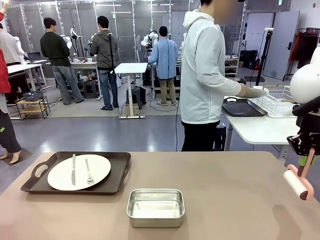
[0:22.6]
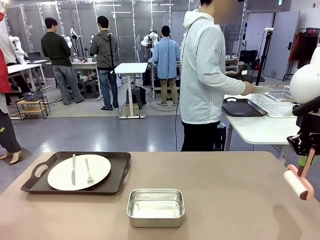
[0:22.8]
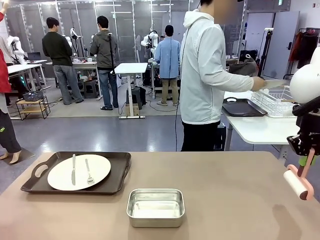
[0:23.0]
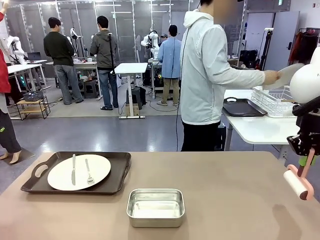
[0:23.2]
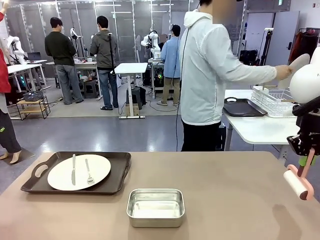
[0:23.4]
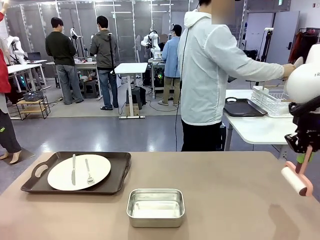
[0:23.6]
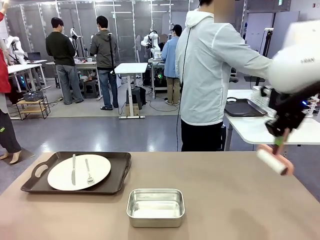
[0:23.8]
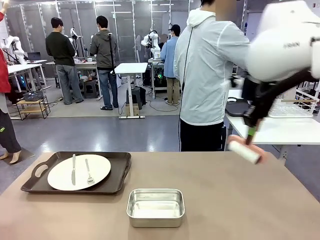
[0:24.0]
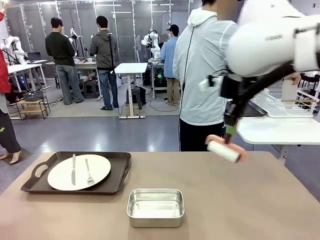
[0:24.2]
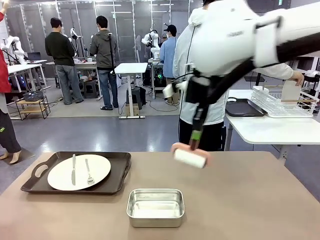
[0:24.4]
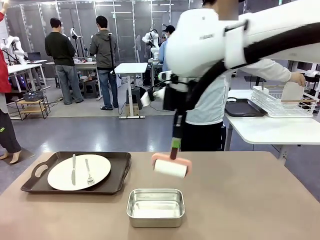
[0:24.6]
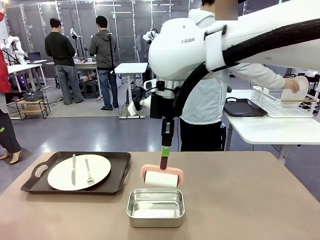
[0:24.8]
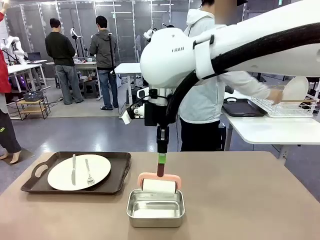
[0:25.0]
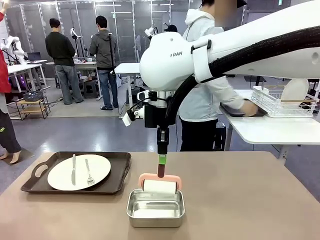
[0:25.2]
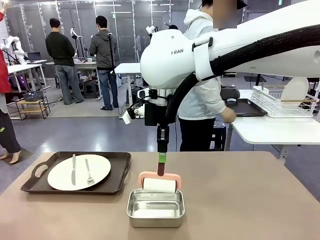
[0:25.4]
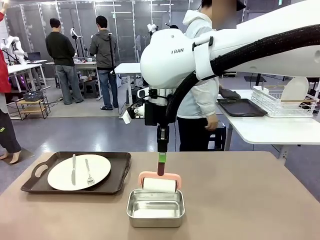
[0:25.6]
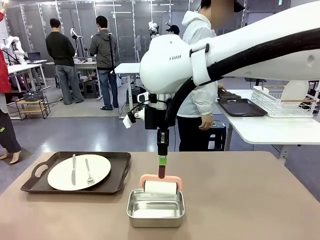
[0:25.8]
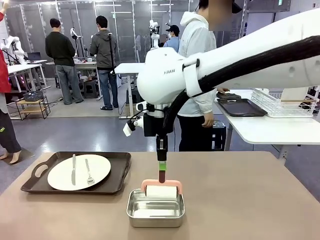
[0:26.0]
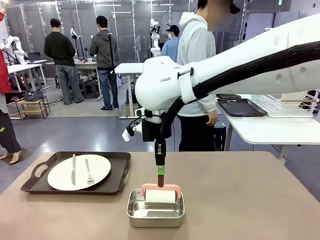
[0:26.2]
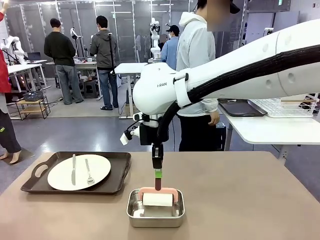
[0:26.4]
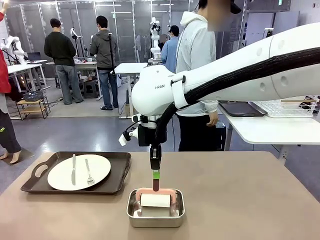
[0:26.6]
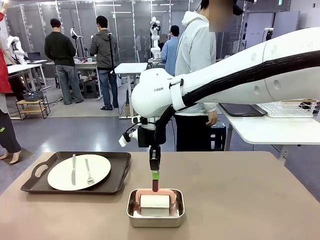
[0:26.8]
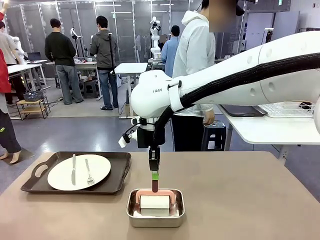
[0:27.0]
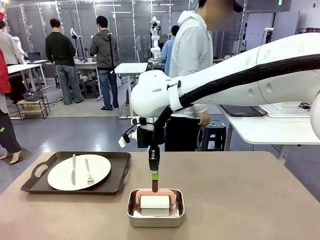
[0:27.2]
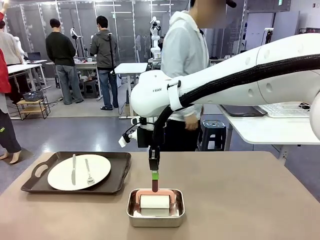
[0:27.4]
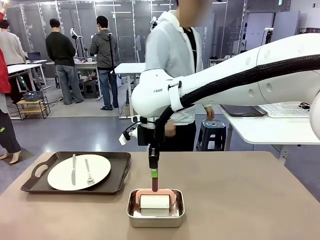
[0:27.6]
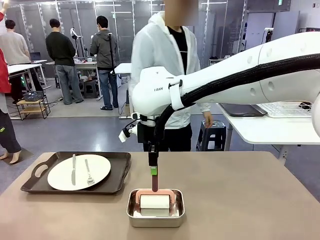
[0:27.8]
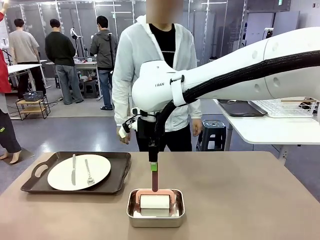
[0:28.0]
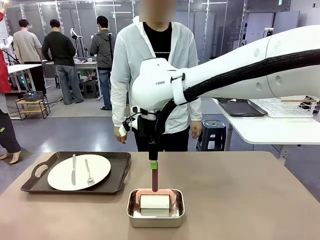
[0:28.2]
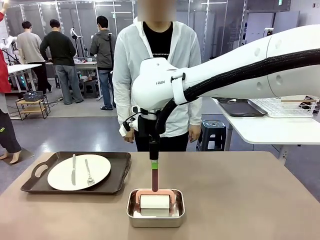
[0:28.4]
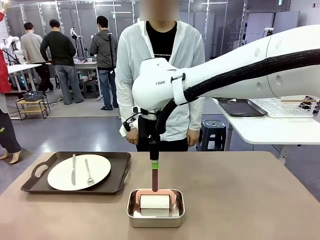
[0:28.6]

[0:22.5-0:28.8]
Robot: Place the Lint Roller back on top of the Airtight Container.

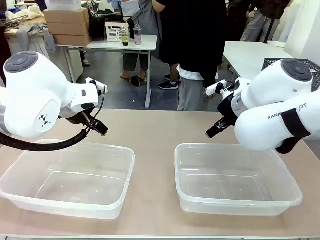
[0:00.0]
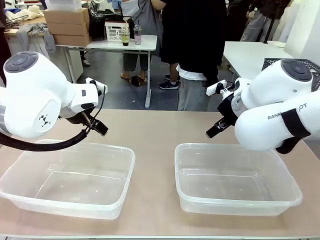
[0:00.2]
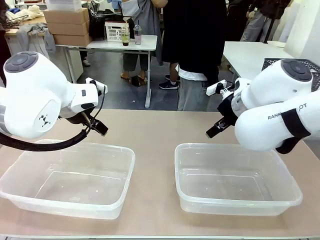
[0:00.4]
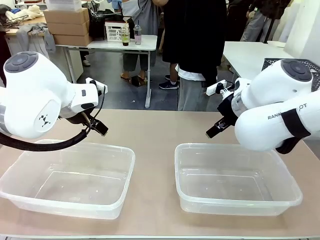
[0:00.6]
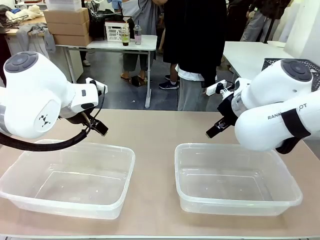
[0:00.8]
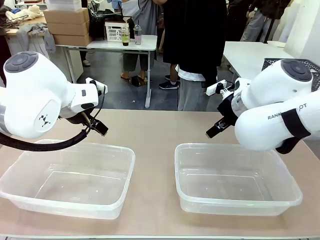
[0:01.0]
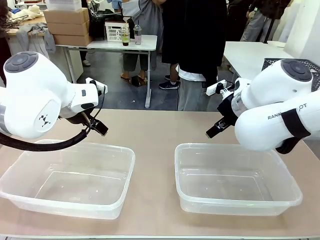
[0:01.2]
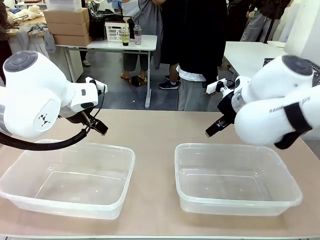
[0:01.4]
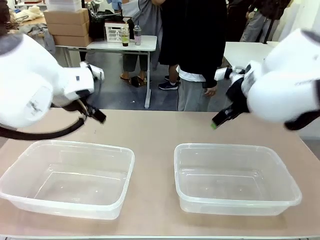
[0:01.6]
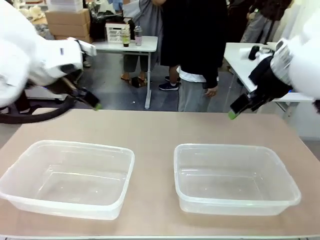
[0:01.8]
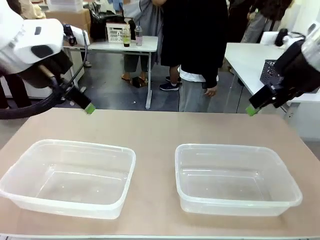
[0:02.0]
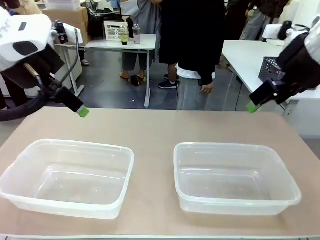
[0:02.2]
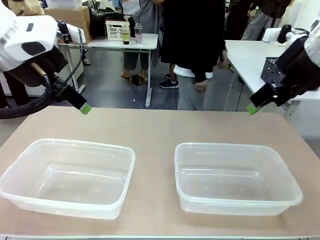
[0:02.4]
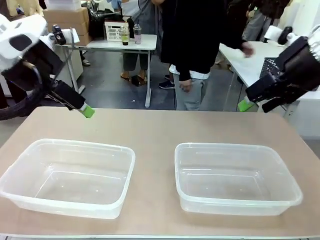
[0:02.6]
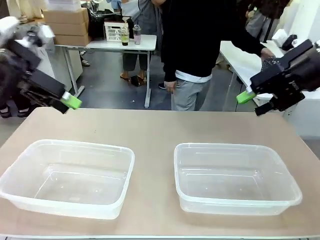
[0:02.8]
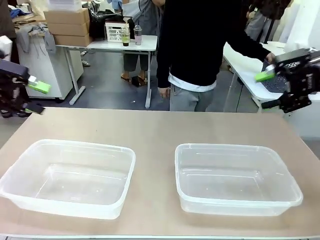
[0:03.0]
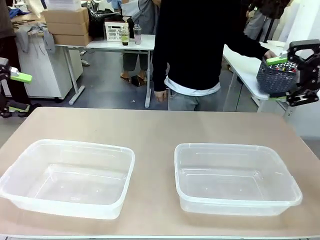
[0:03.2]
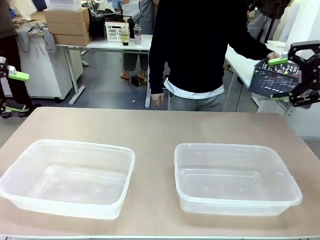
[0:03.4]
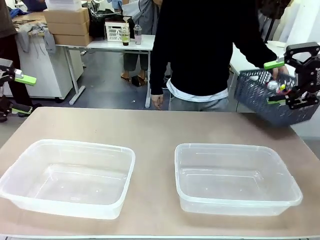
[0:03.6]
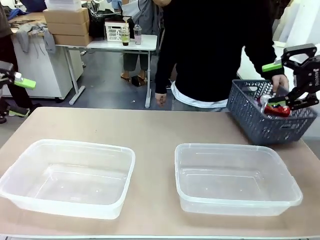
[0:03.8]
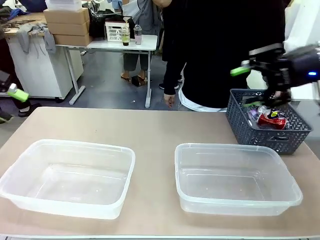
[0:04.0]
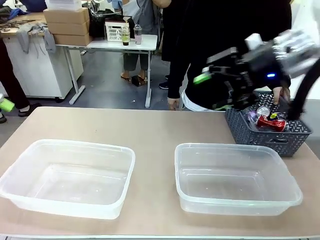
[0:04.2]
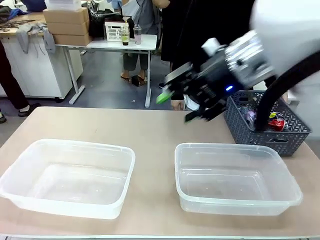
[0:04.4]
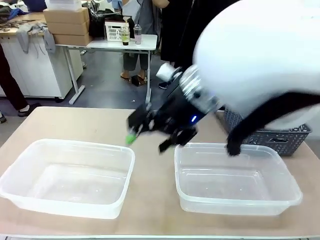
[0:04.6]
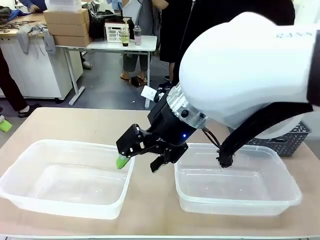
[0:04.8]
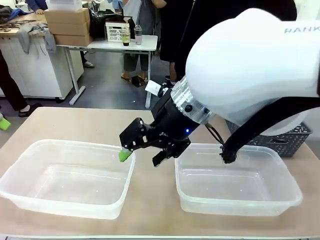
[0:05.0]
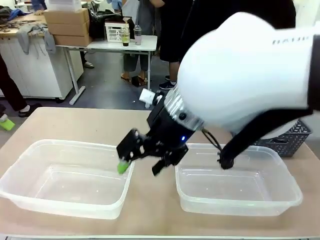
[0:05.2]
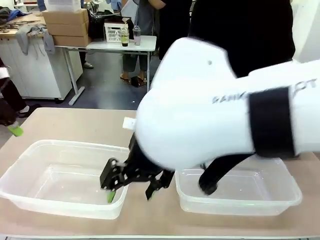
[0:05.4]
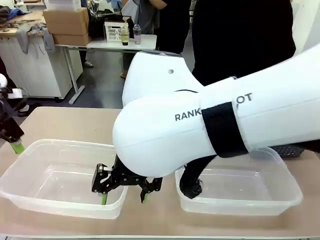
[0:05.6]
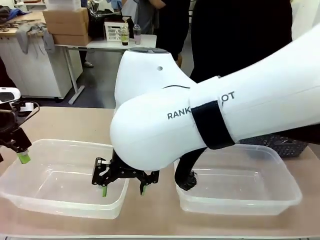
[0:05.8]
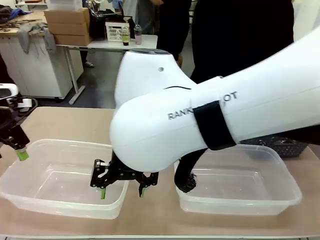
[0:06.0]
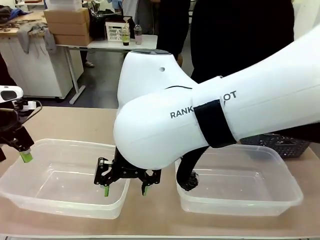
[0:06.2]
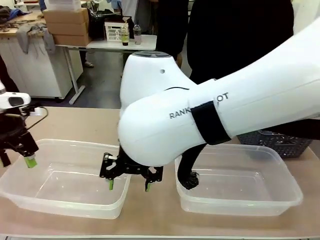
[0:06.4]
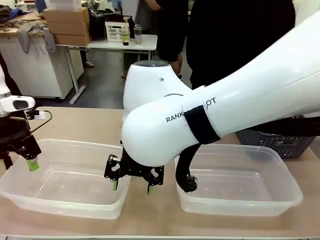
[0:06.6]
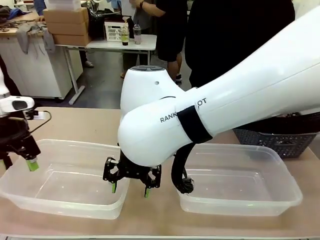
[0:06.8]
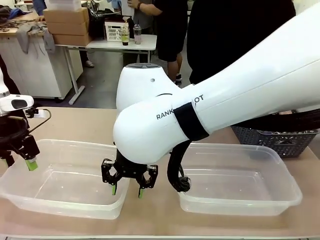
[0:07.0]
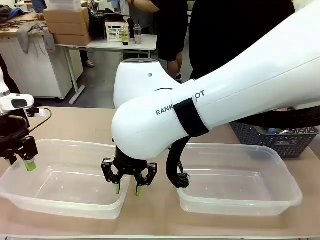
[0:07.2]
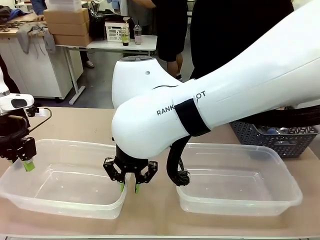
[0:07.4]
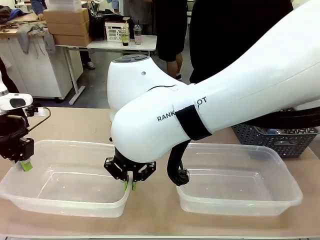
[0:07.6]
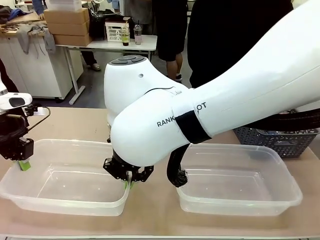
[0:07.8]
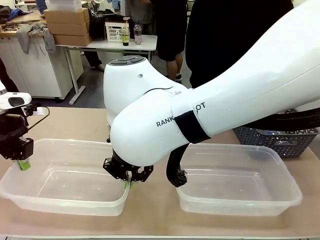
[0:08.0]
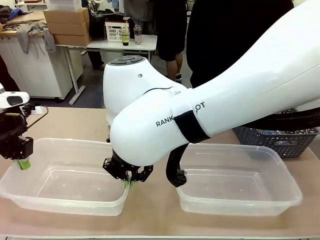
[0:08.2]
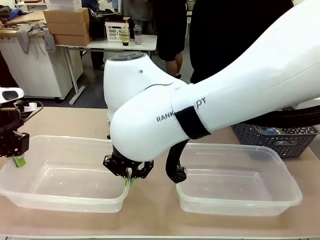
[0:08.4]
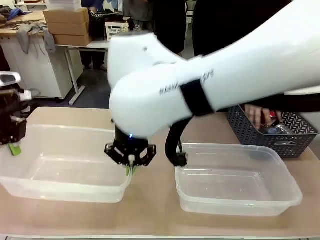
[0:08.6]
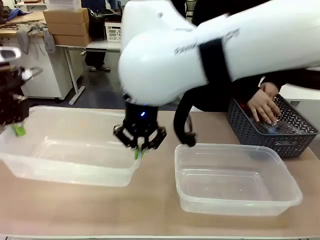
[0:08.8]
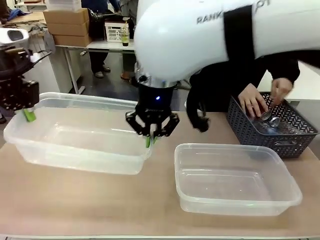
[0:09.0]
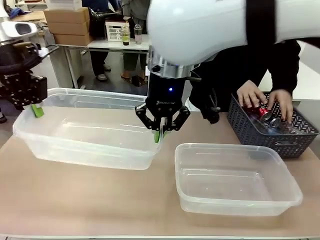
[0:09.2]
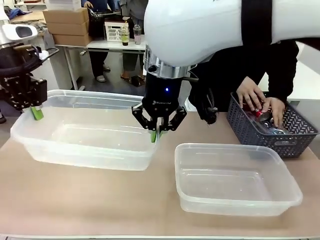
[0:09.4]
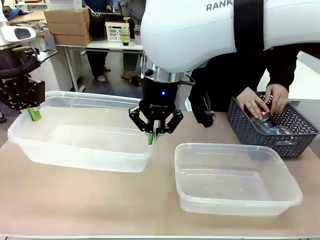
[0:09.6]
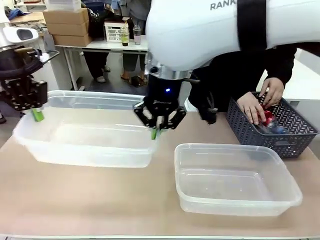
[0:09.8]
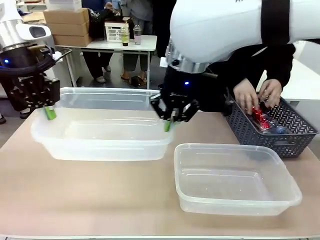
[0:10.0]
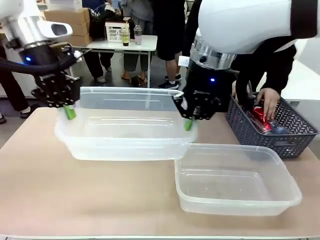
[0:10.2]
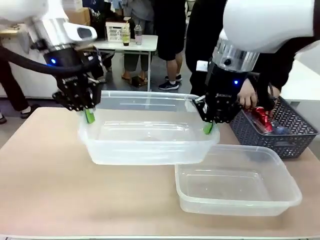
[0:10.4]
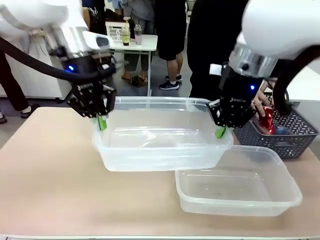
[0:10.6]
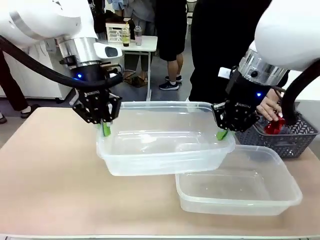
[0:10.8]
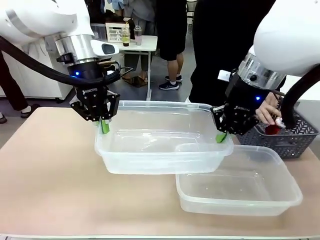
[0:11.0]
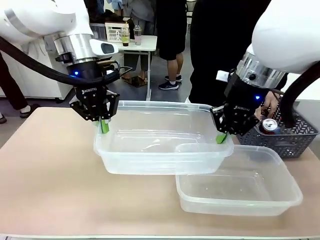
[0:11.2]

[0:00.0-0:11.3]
Robot: Pick up the Organizing box on the left side of the table and lift it.
Person: Pick up the storage basket and place it on the left side of the robot table. Pick up can-shaped waste one by one and place it into the organizing box lifted by the robot.

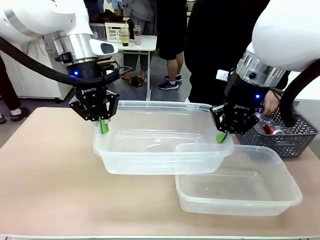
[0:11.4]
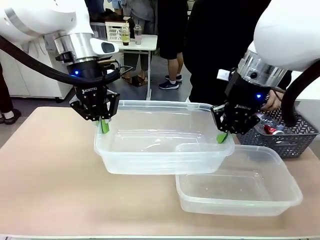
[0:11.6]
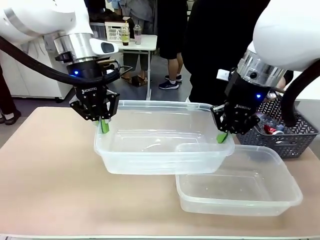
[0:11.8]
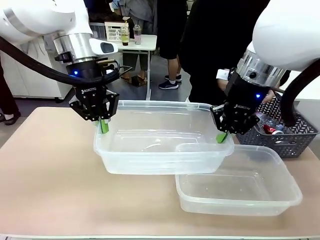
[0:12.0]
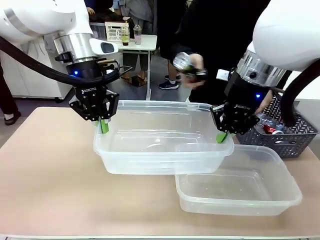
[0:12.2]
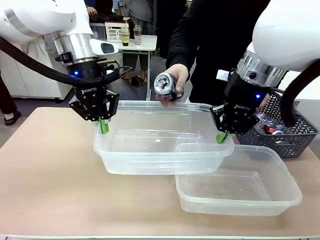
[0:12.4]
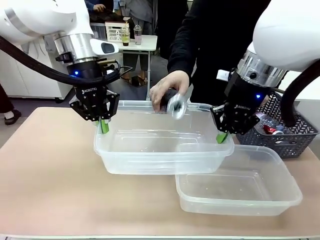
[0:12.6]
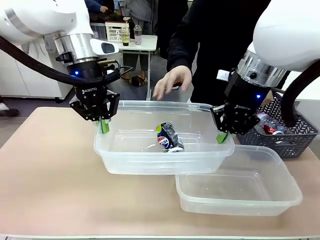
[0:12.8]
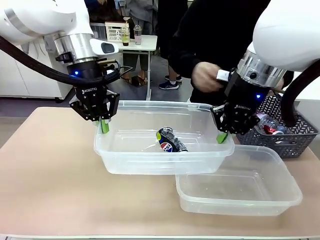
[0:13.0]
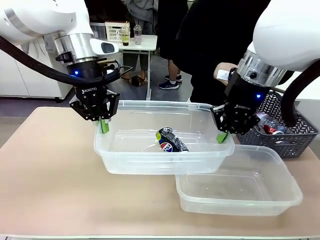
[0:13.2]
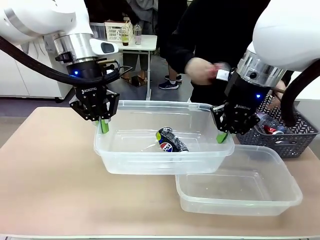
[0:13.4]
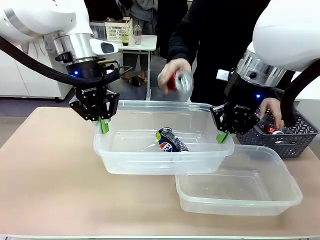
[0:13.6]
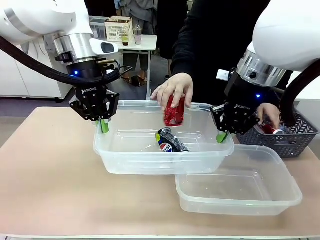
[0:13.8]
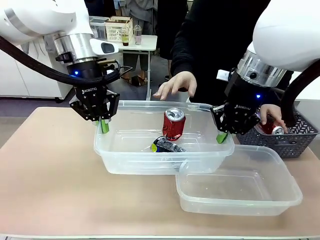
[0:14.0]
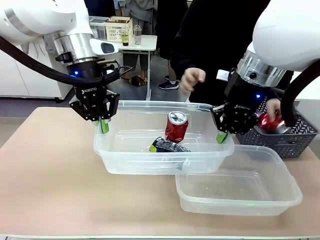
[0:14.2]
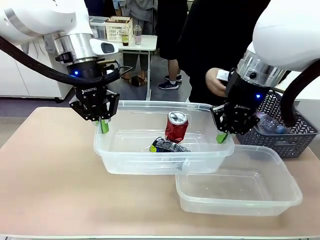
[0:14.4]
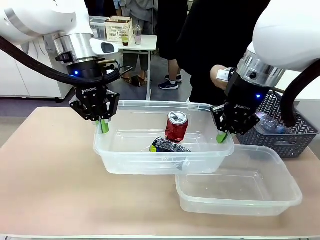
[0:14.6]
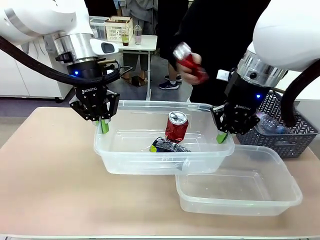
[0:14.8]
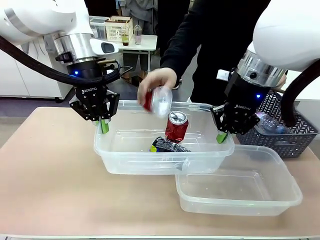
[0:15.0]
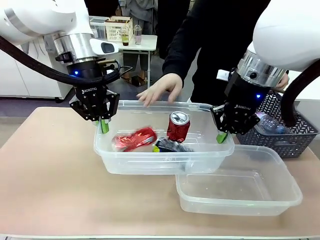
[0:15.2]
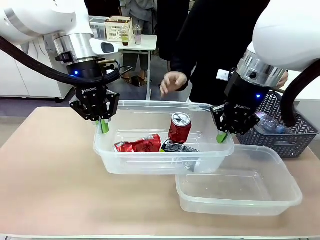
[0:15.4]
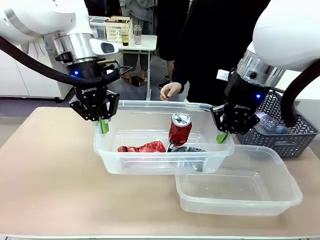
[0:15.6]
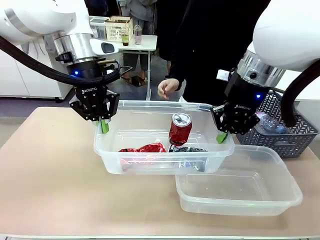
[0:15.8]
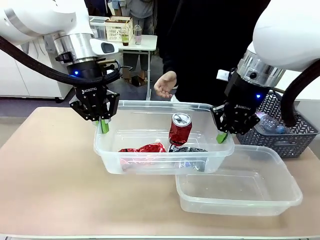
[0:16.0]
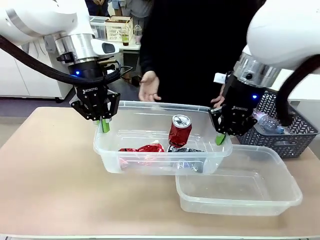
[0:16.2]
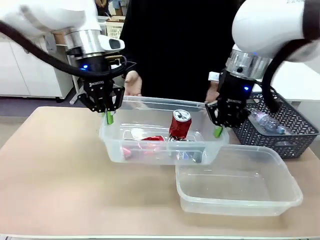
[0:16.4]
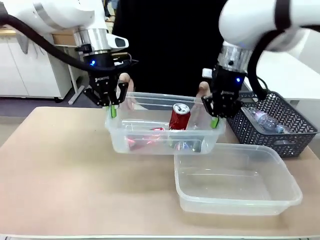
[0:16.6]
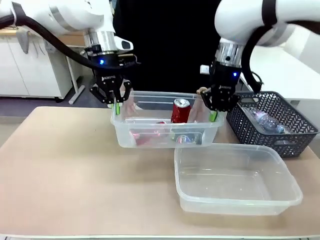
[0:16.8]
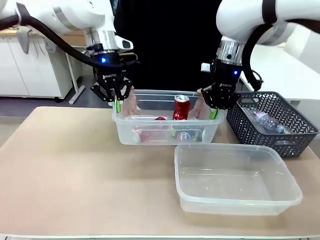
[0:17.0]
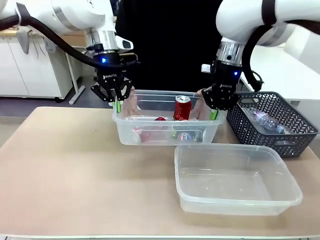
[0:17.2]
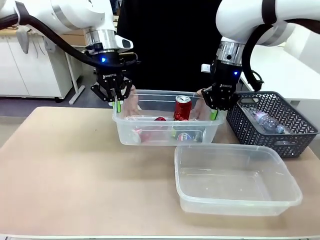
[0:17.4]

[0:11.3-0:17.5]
Robot: Offer the picked Organizing box to the human.
